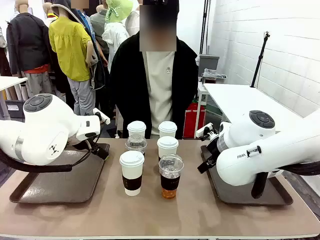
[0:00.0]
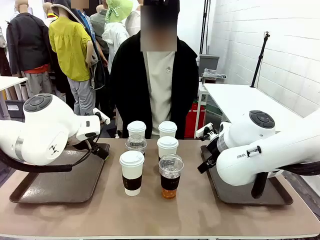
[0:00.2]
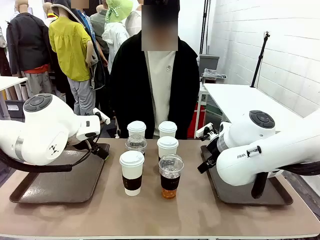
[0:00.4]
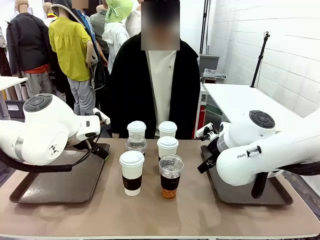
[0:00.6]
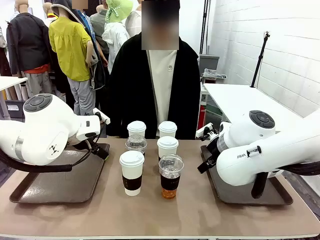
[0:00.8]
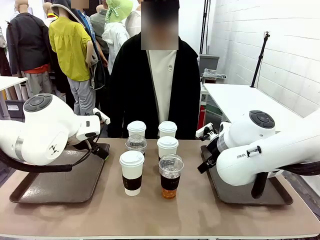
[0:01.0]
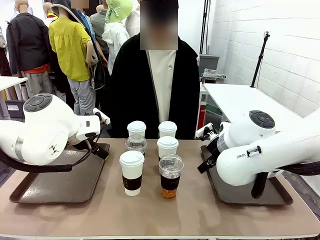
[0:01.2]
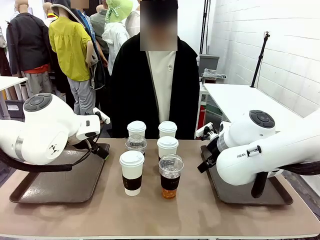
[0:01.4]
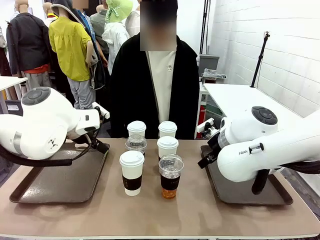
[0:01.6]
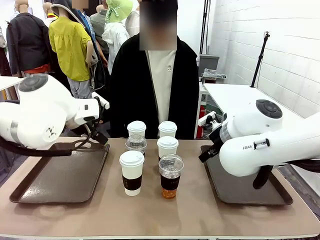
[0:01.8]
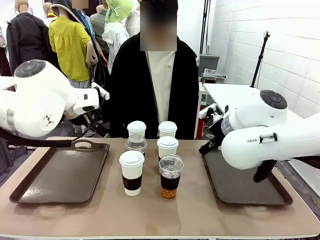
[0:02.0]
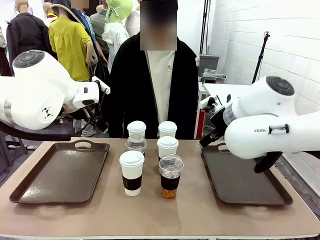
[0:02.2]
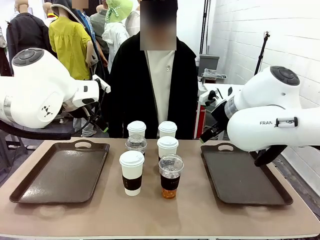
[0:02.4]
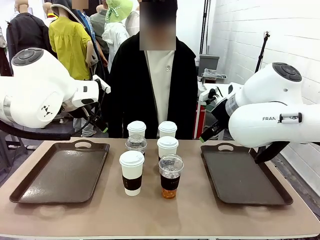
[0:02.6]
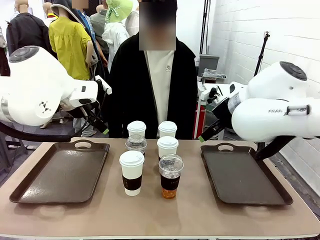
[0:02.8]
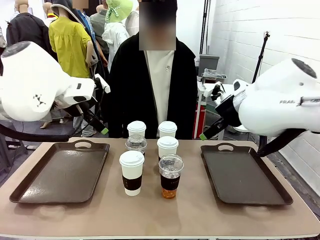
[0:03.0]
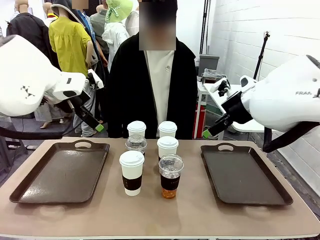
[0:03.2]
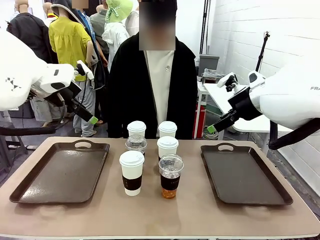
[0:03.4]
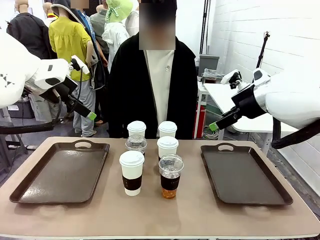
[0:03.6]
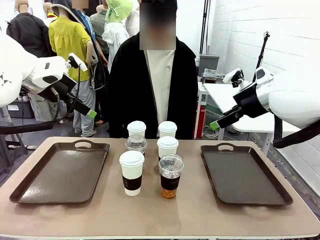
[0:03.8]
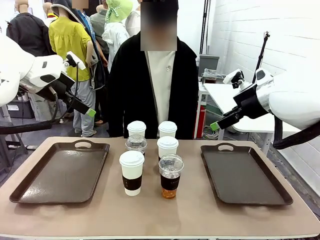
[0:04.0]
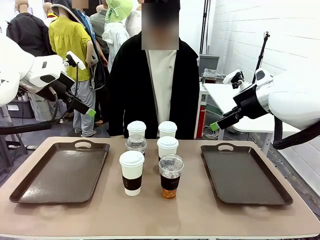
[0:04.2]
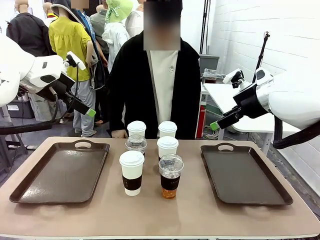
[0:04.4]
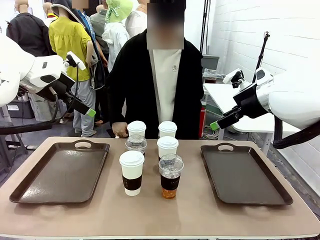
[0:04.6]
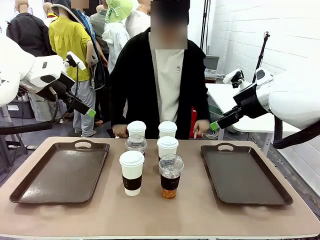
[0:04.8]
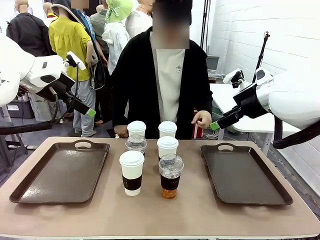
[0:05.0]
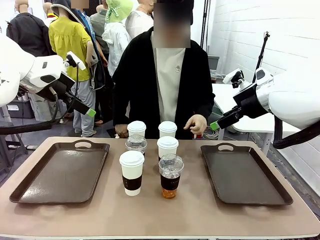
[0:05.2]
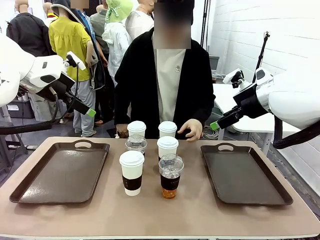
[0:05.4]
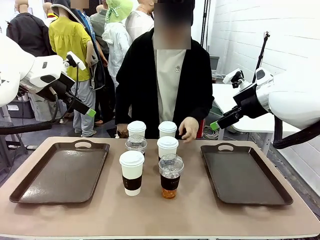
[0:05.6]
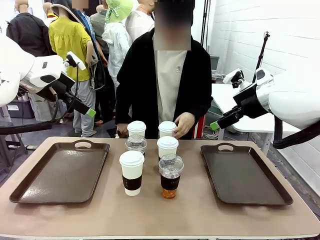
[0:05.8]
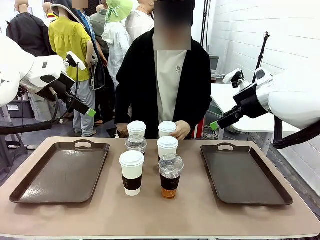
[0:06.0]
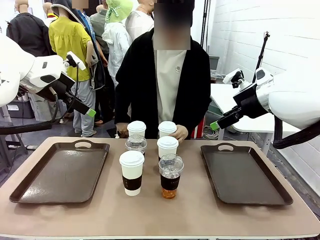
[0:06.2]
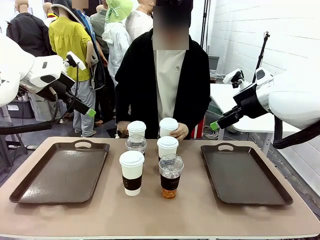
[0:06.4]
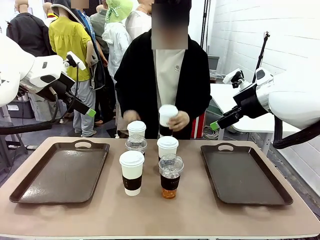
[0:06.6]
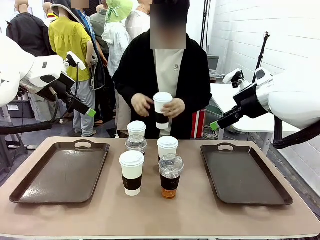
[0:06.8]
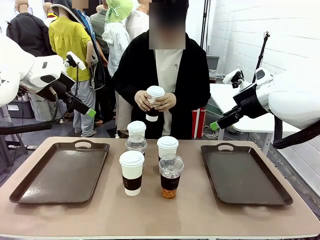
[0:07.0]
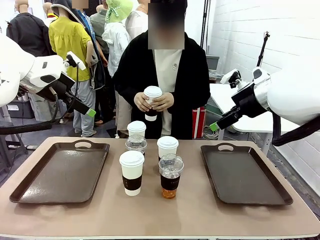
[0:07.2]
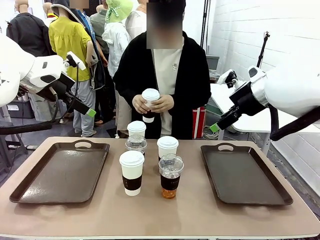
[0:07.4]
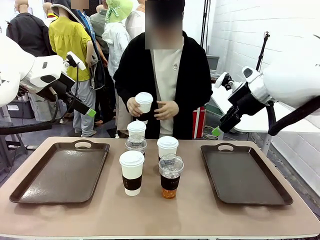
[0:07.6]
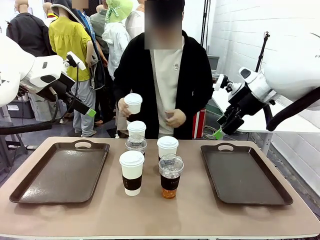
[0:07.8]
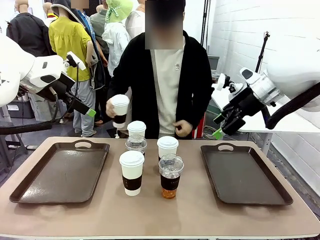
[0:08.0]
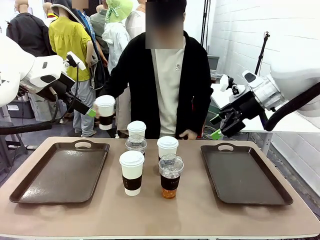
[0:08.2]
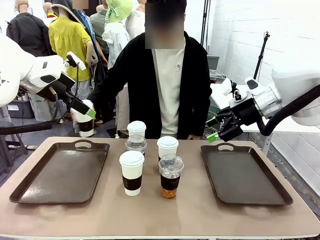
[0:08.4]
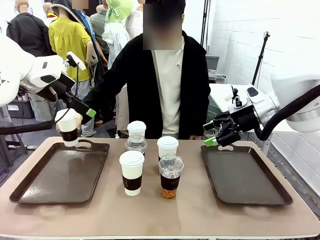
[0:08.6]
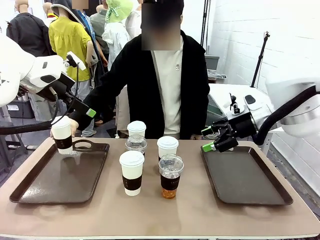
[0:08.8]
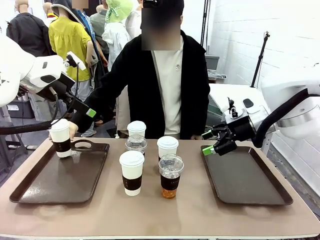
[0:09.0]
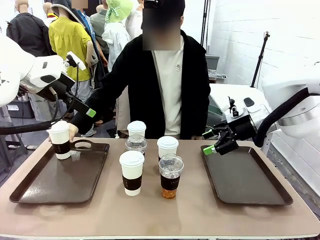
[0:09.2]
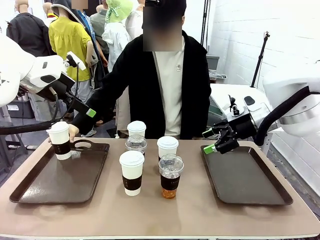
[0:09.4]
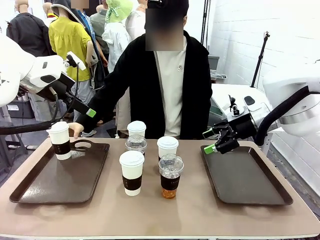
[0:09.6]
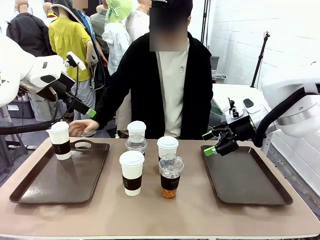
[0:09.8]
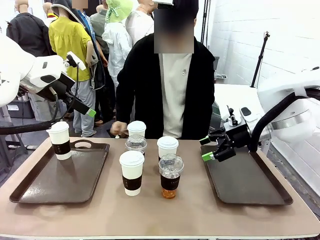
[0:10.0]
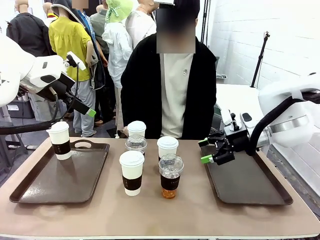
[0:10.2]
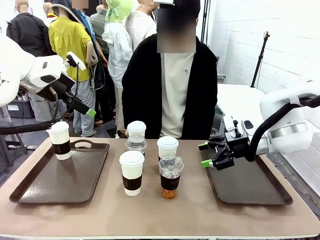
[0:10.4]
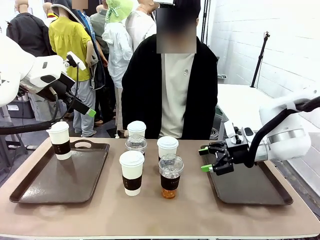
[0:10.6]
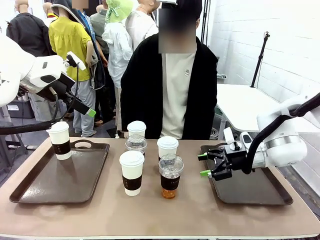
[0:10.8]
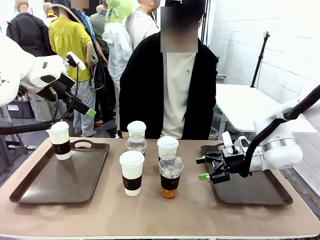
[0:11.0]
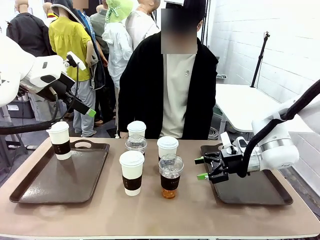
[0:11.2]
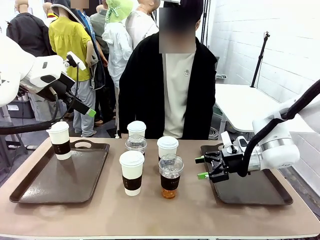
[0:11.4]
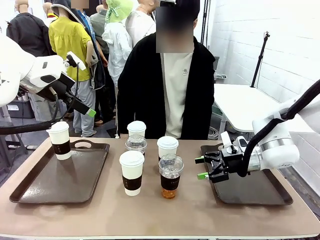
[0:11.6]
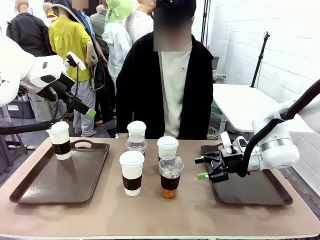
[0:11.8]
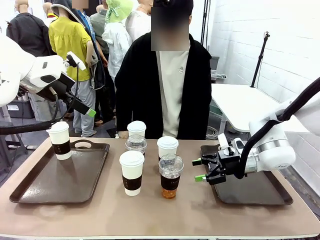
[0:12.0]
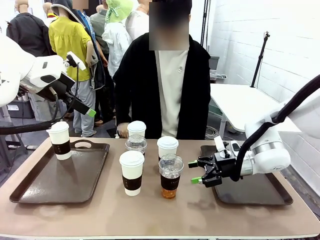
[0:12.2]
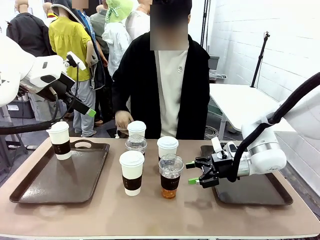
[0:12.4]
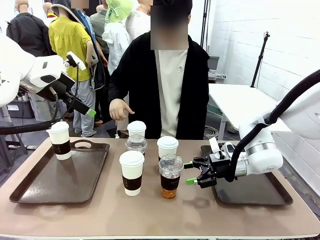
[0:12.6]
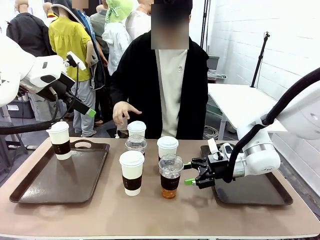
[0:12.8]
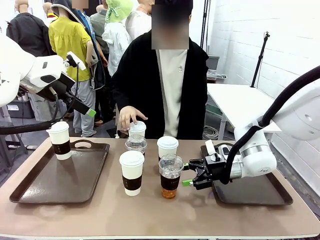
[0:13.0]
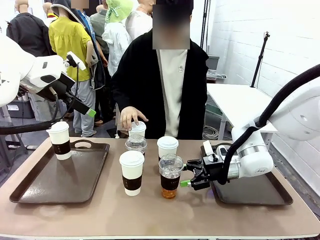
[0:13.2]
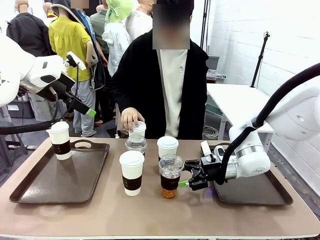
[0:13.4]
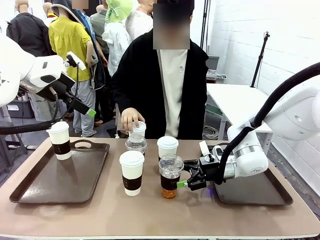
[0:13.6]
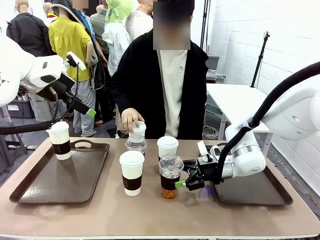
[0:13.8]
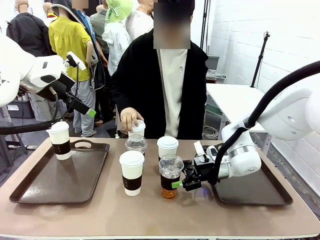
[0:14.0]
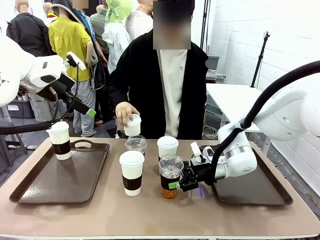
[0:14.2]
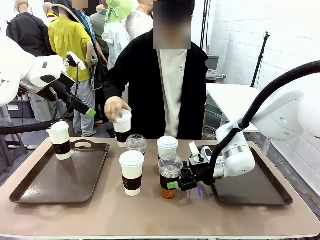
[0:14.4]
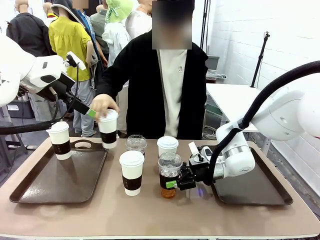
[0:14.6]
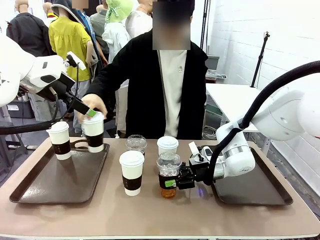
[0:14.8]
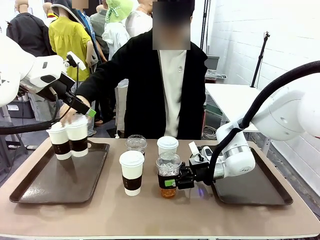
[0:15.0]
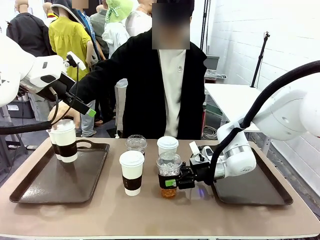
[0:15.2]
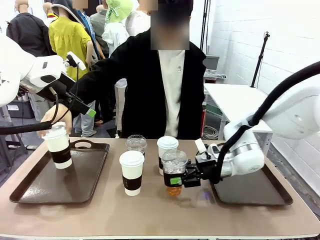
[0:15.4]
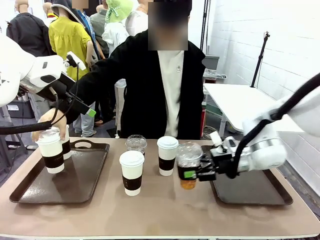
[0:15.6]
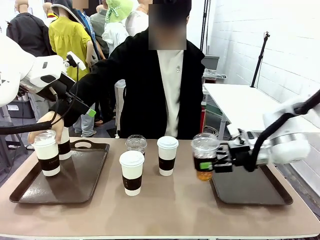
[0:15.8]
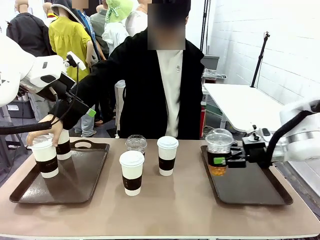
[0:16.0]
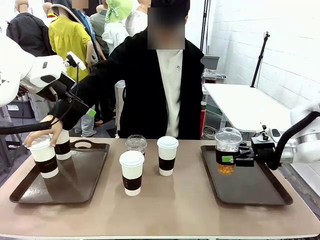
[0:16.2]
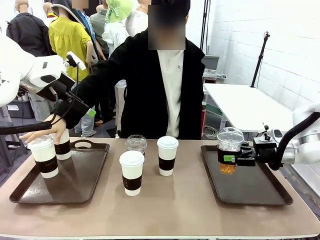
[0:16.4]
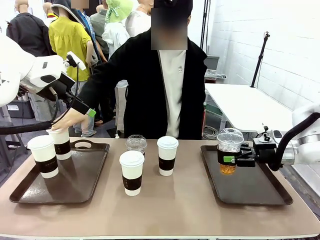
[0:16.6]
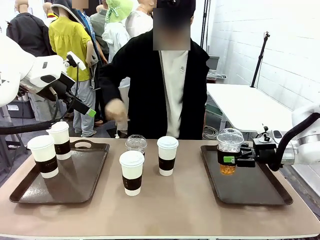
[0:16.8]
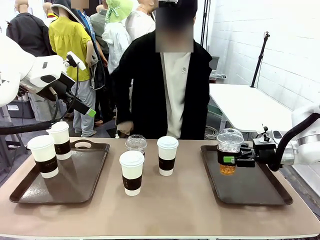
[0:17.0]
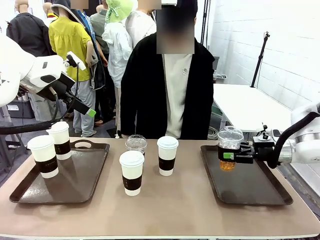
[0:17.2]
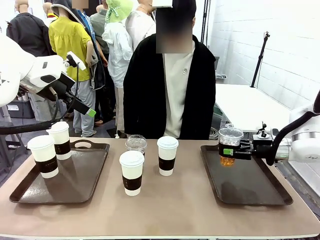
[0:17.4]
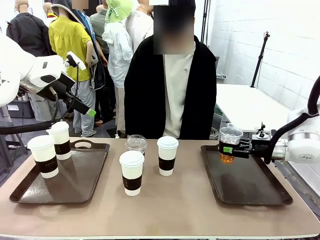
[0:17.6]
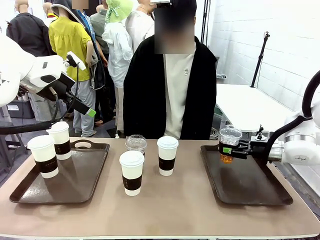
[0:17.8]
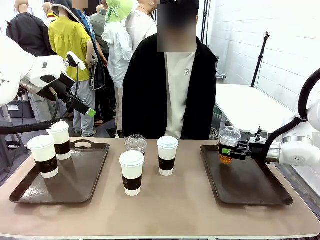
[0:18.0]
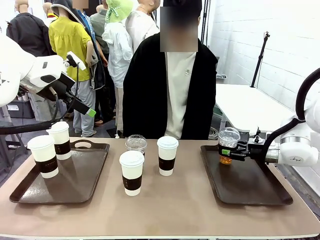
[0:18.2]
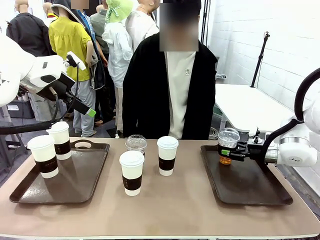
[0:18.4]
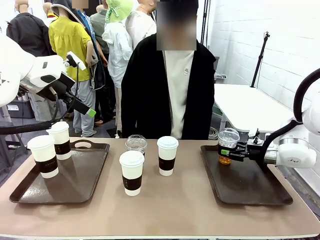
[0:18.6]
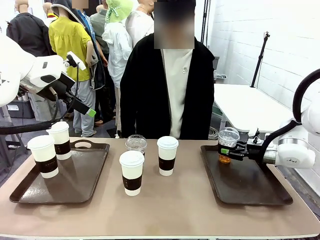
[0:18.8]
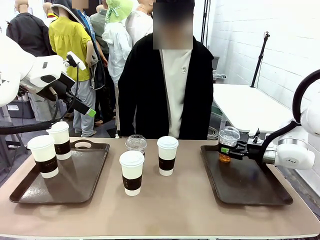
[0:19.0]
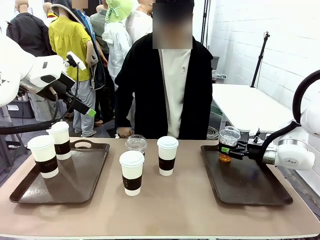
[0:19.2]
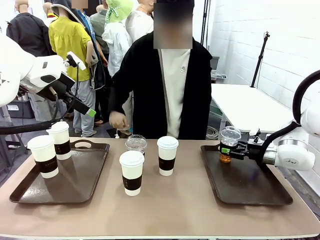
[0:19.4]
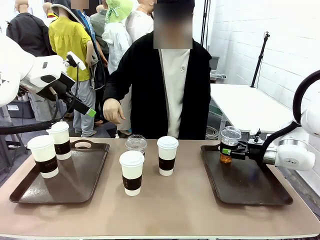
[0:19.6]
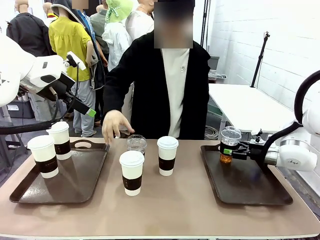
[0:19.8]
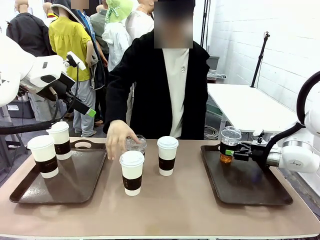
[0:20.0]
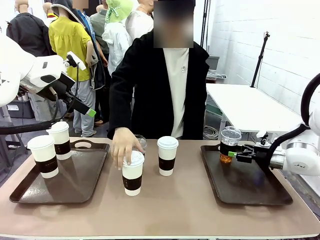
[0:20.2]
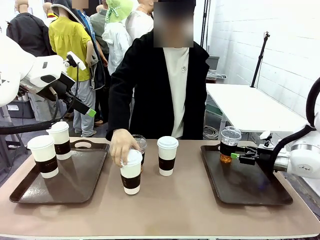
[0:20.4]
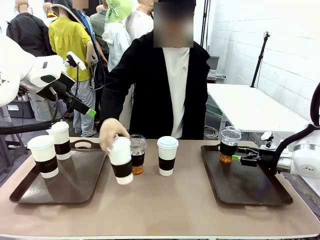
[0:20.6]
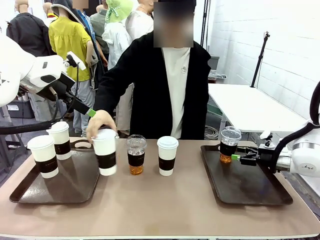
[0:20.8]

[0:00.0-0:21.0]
Task: Distribute the coffee onto the tray.
Robot: Pick up one iced Americano and place it on the right Handle tray.
Person: Pick up a cup of hot Americano and place it on the right tray.
